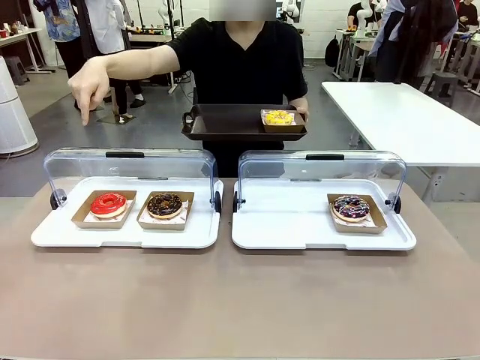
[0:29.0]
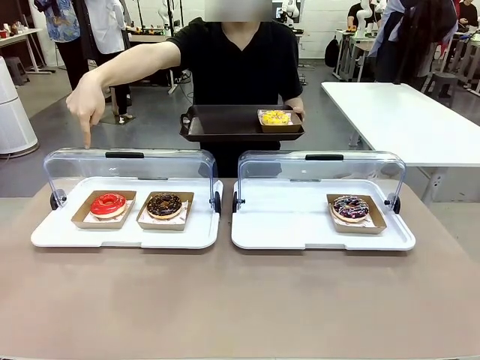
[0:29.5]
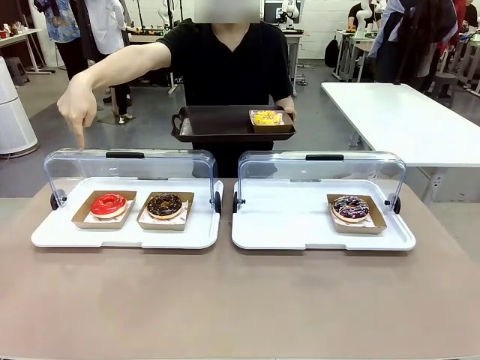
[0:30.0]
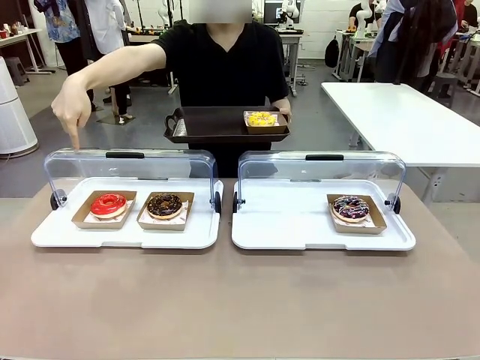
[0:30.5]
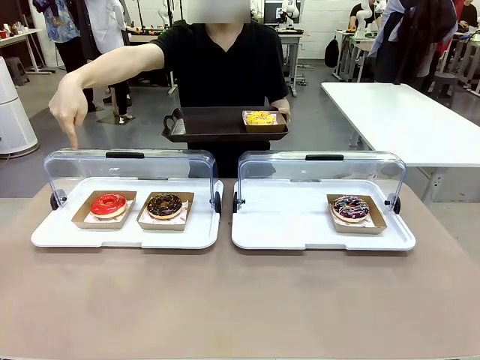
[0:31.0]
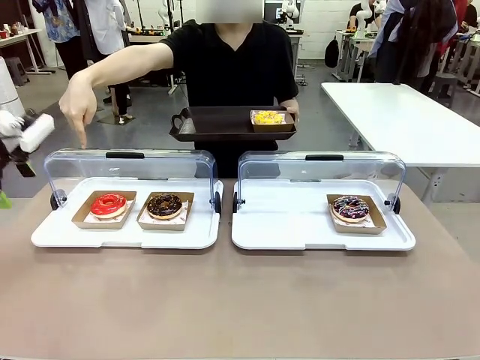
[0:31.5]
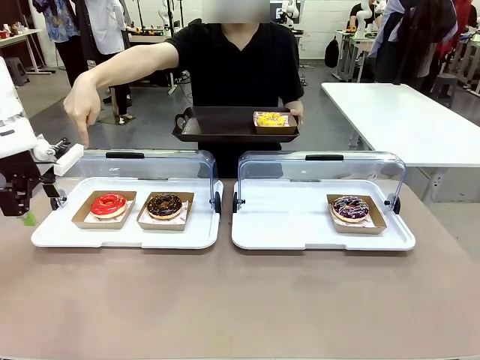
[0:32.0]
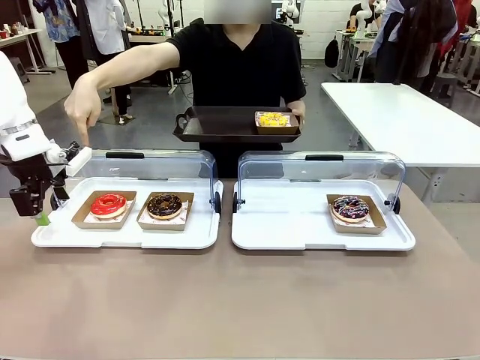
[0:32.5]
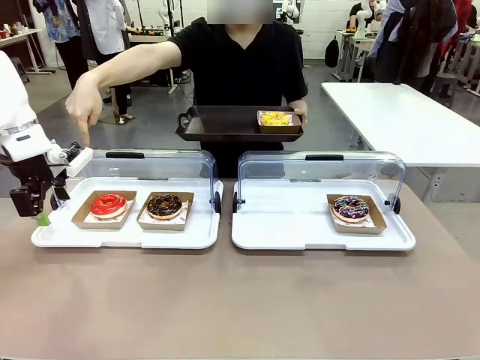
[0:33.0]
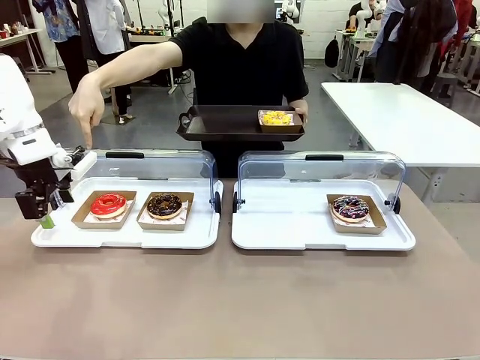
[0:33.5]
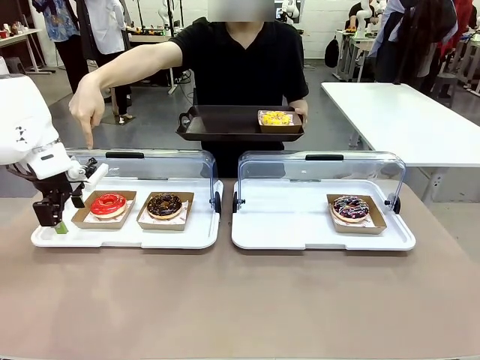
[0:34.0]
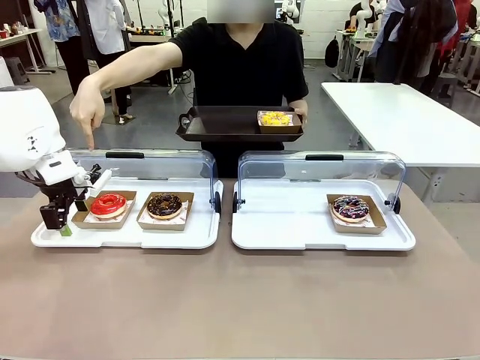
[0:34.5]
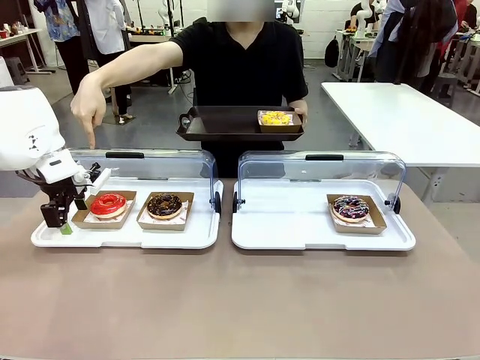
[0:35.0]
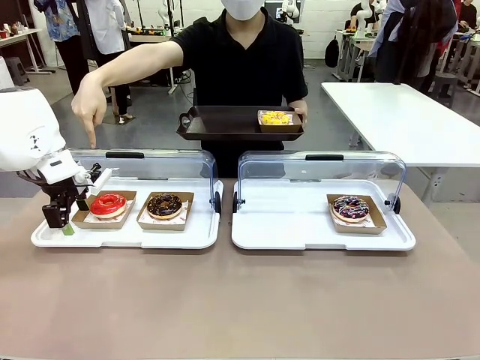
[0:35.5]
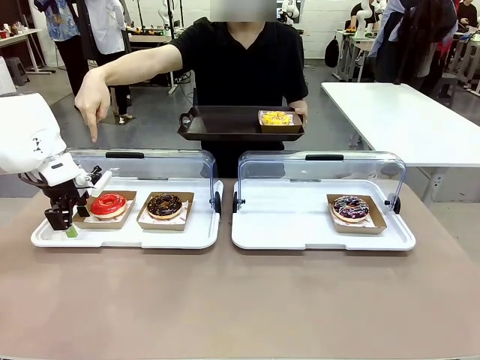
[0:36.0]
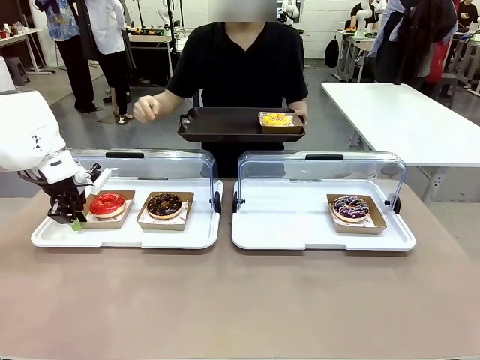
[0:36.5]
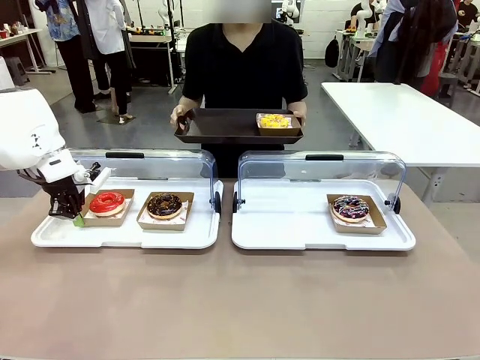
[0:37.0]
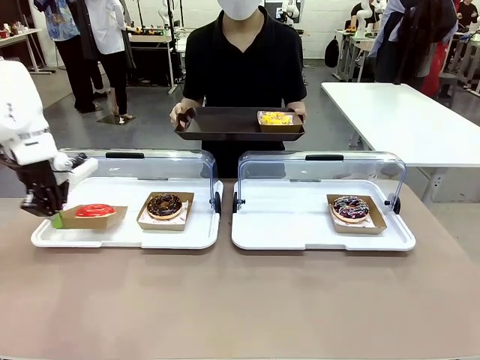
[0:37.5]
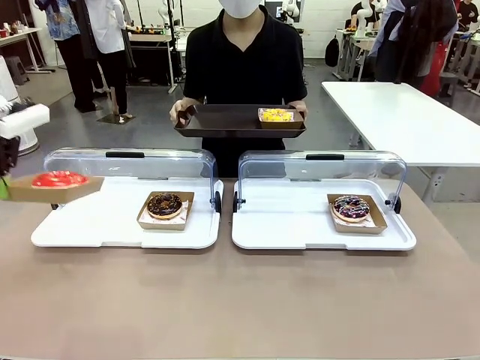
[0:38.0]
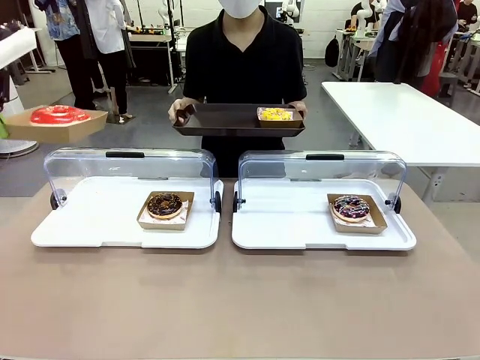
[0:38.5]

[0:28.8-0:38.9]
Task: Provide the desired donut to the person.
Robot: Pick up and lift the Paper togo box containing the Donut pointed at by the person.
Person: Lift the tray onto the Roll-Top Bakery Case.

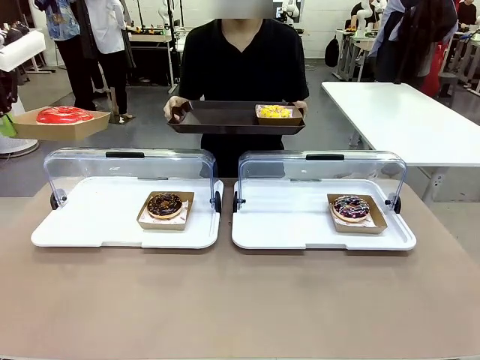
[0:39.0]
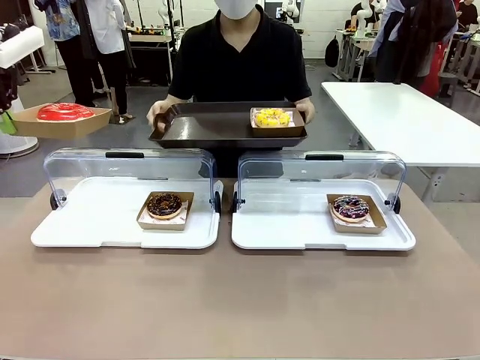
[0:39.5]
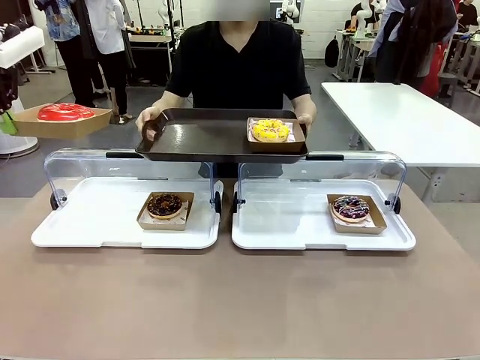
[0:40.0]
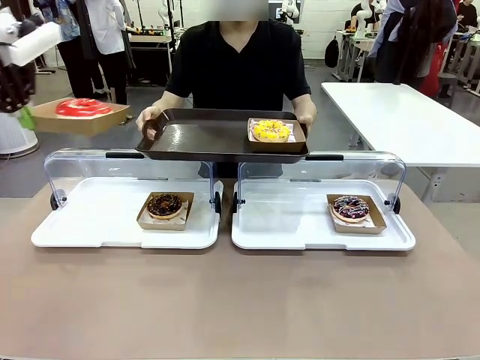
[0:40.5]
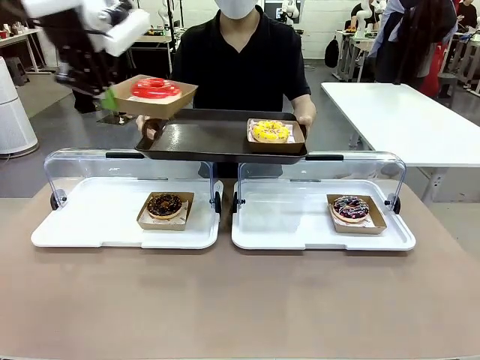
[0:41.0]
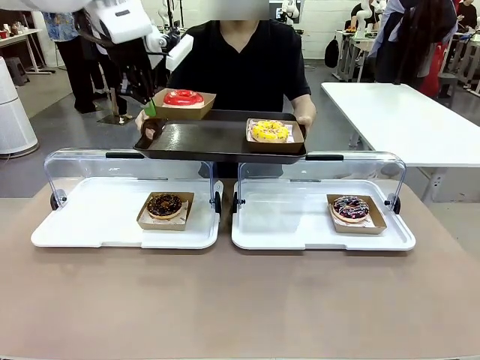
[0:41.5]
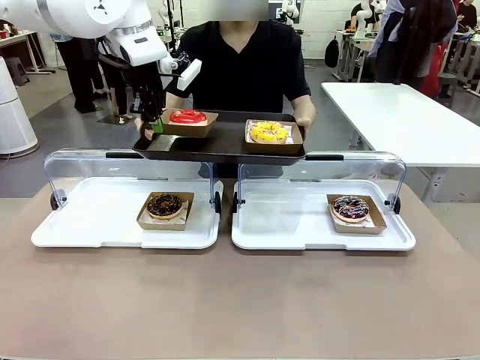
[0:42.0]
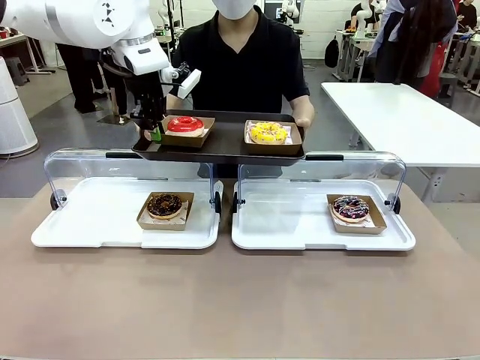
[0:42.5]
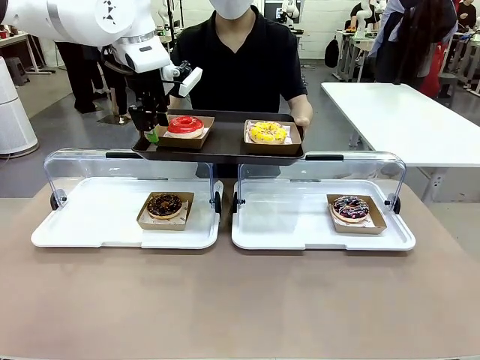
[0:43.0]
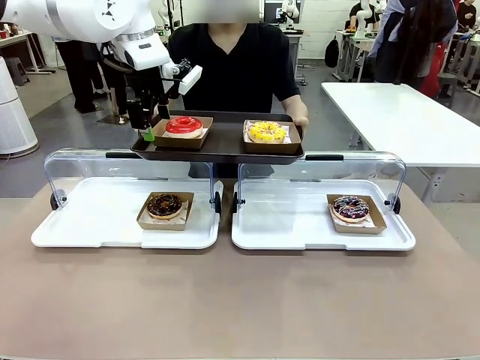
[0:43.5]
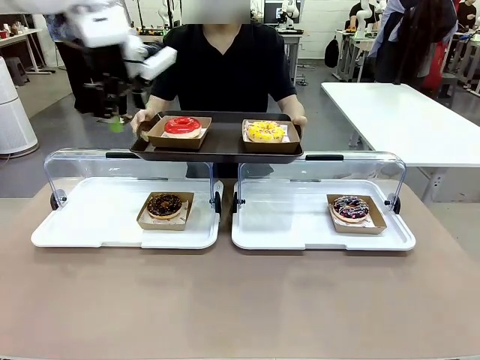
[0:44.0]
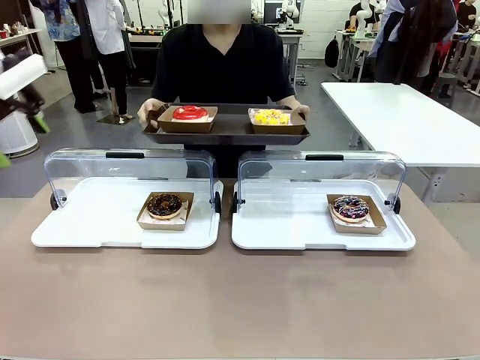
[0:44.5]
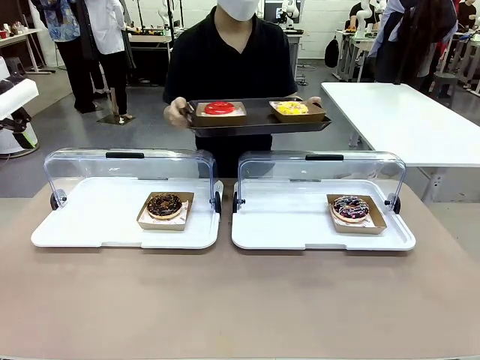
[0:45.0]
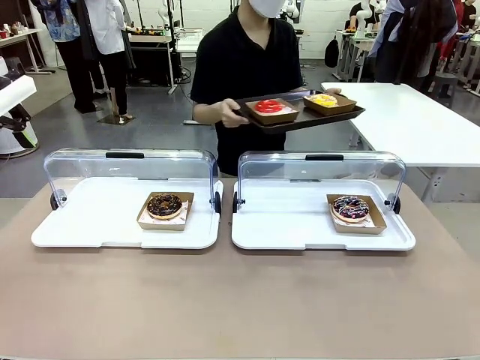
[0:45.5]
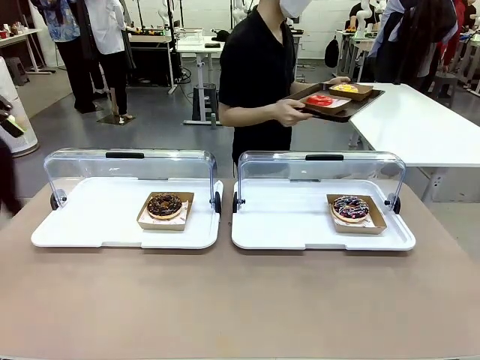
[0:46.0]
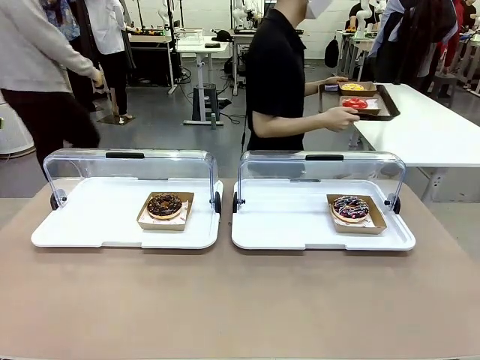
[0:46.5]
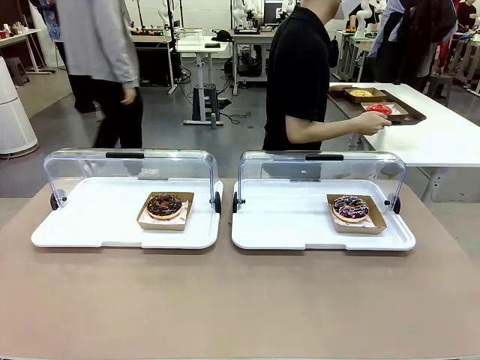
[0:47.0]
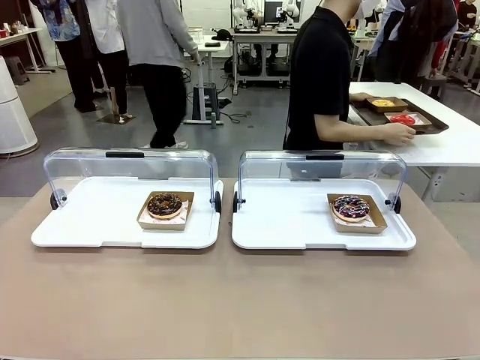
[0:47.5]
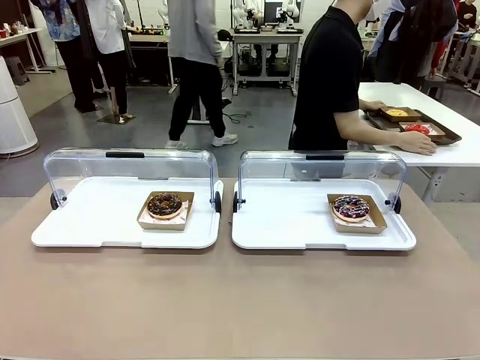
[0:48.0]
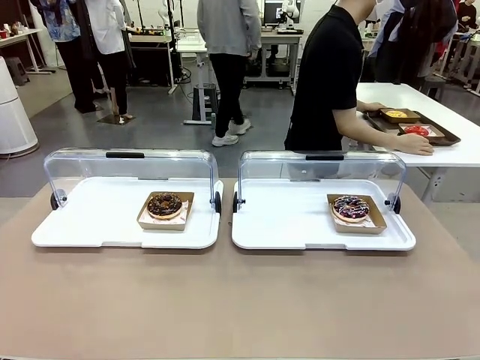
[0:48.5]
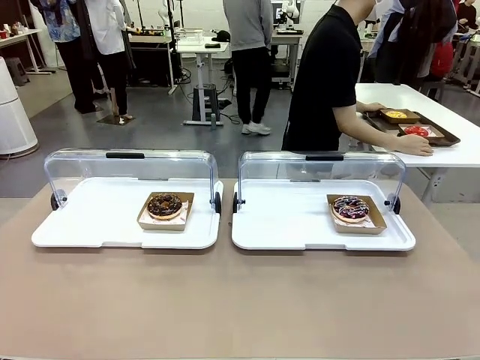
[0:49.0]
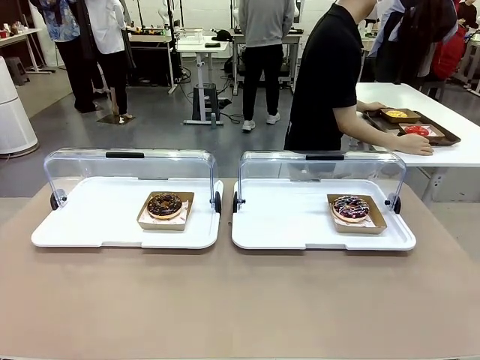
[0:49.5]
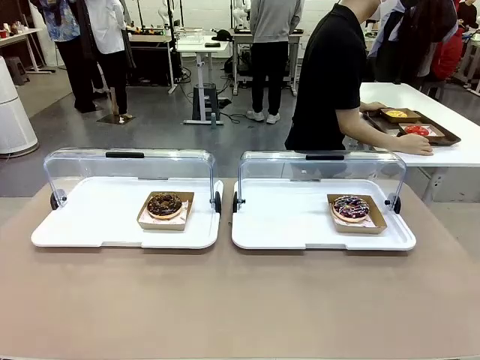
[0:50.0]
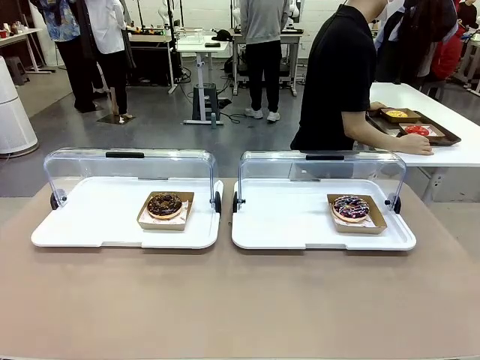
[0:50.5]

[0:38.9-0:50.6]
Robot: Place the picked Paper togo box onto the Handle tray extended by the person.
Person: Place the tray in the middle of the human table.

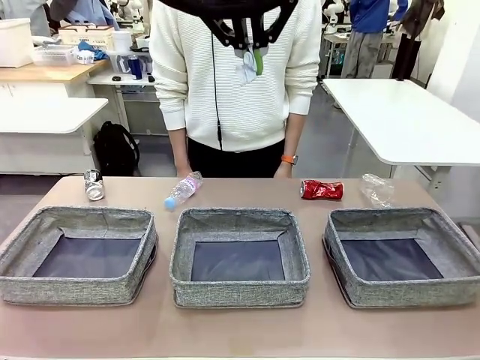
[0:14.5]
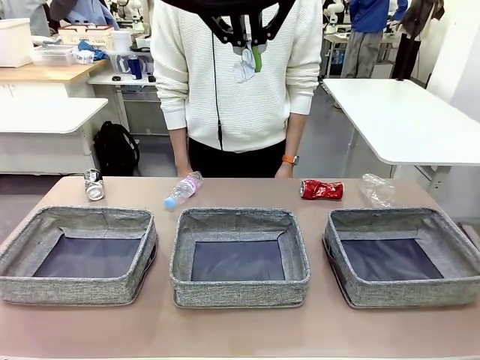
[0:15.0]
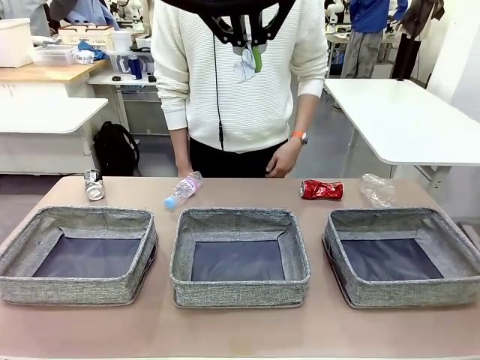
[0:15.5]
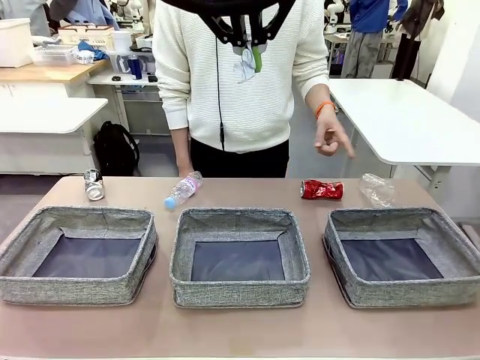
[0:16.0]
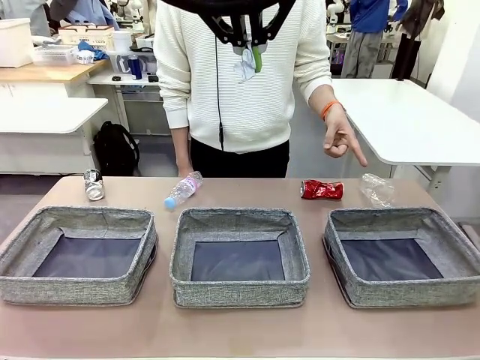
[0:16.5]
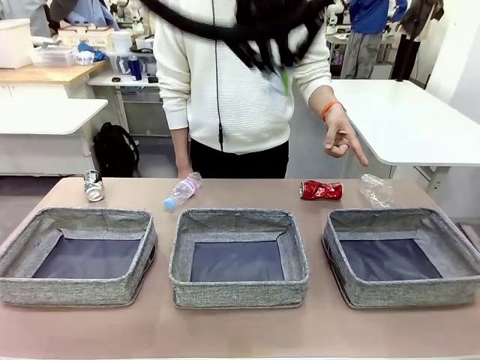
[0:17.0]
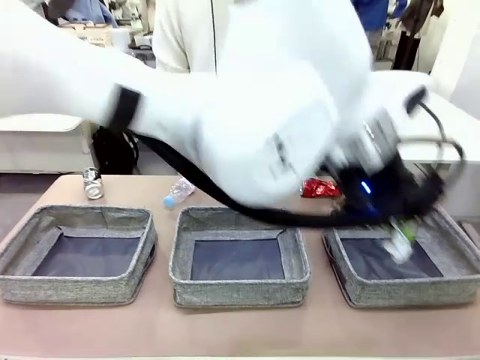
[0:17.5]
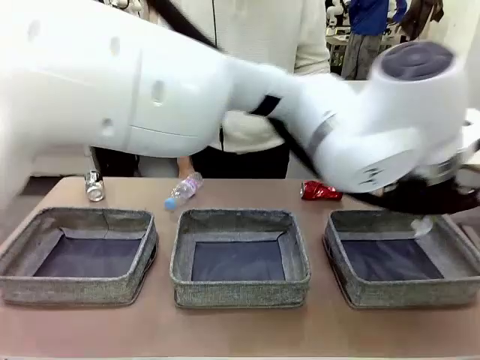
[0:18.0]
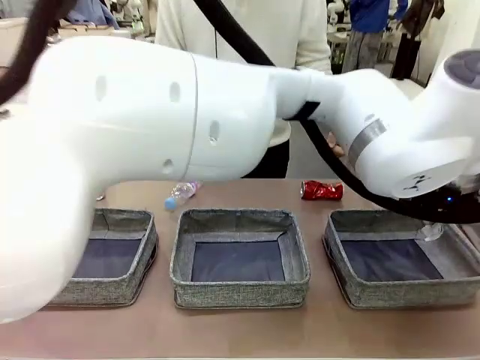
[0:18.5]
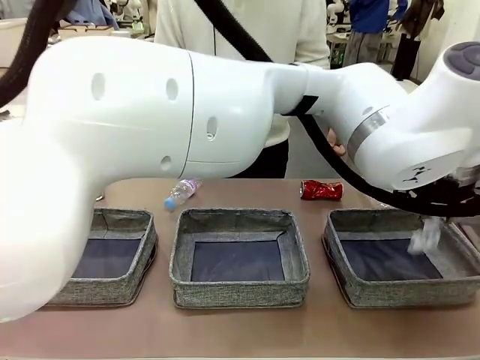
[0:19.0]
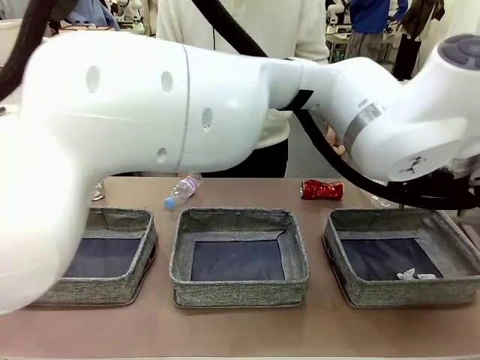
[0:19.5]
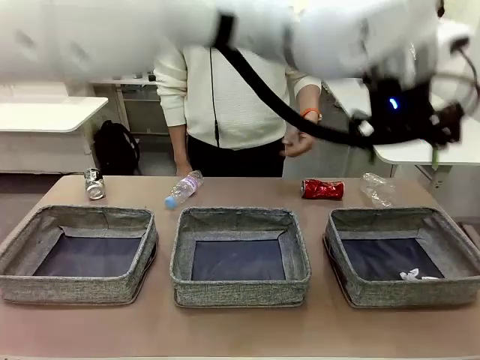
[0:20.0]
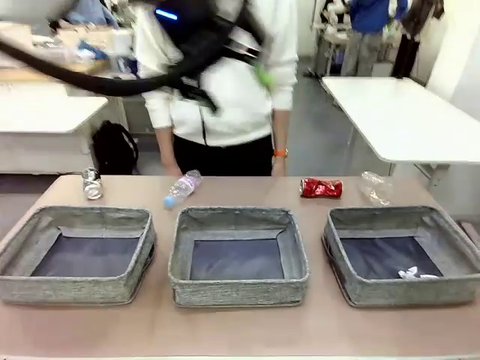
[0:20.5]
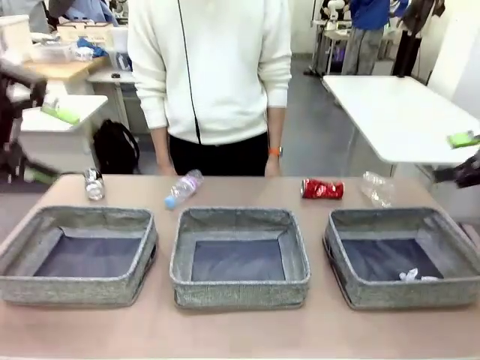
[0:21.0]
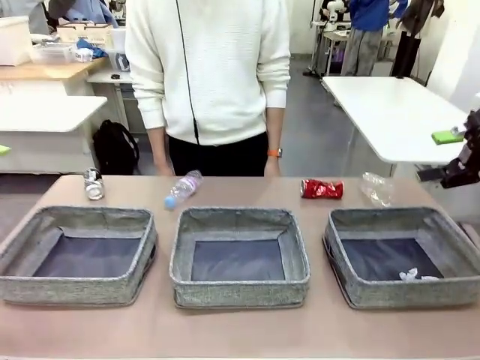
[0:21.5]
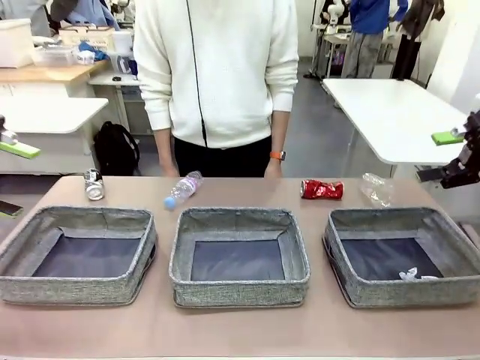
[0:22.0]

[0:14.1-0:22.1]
Task: Sort the waste into the appropriate baskets.
Robot: Place the picked waste into the Fabric basket indicated by the person.
Person: Instructs the robot to place the picked-up trash into the appropriate organizing basket.
